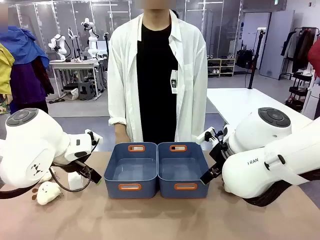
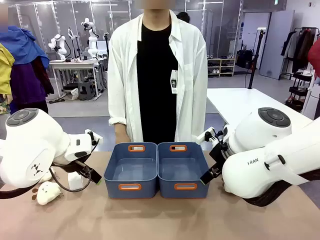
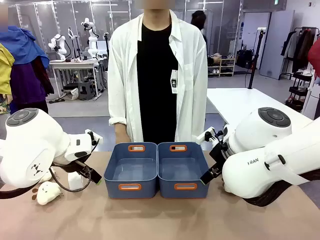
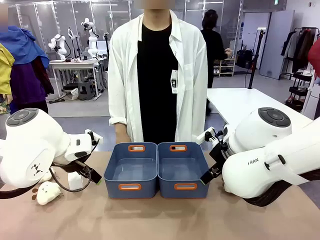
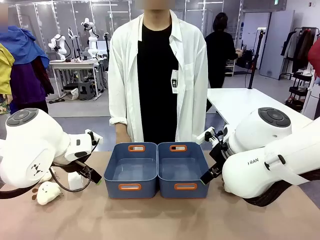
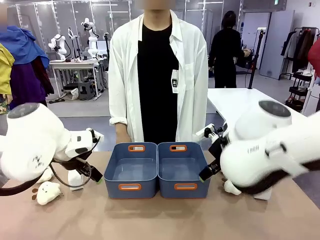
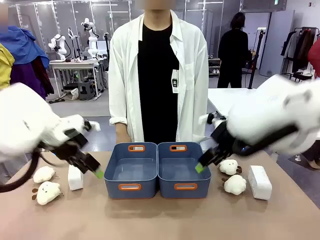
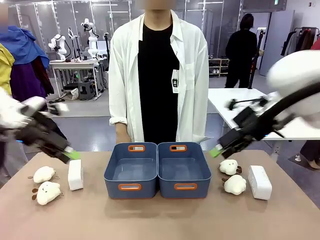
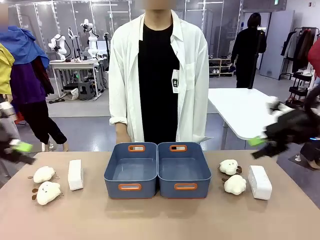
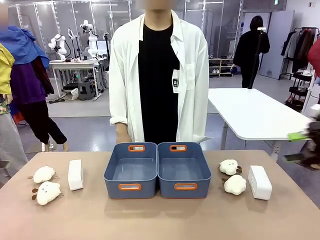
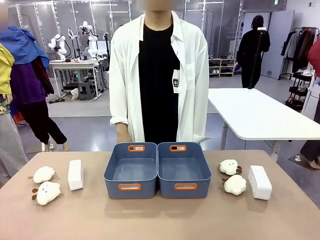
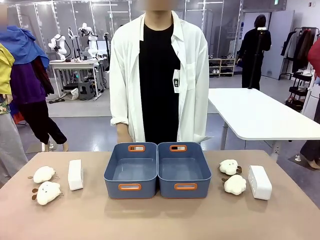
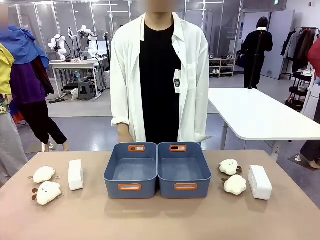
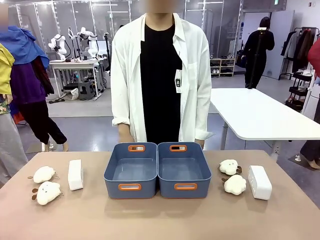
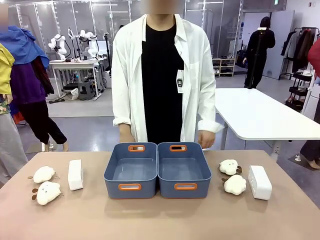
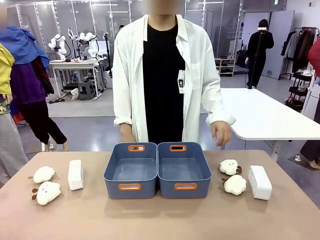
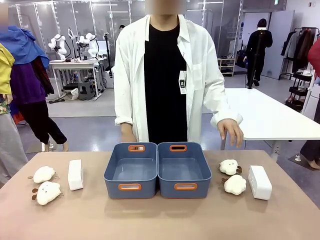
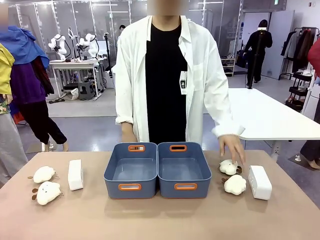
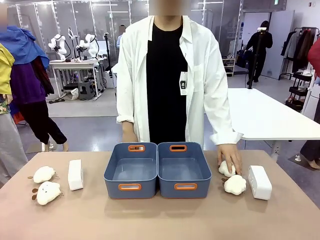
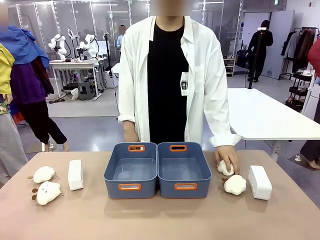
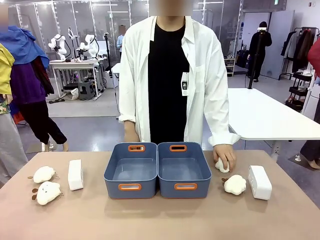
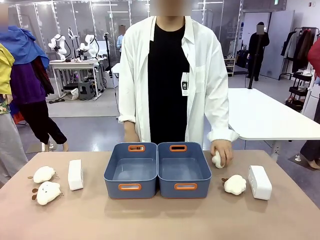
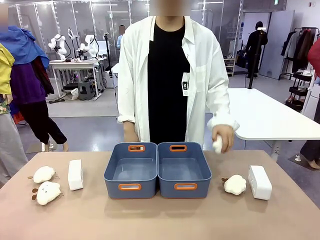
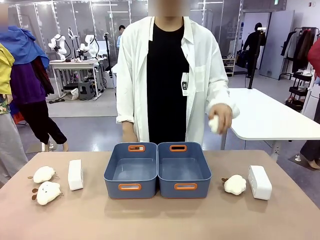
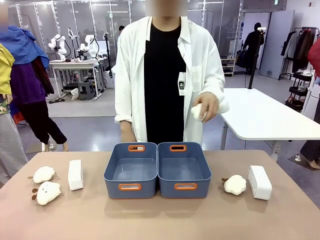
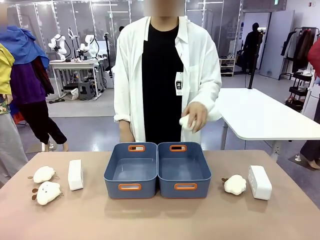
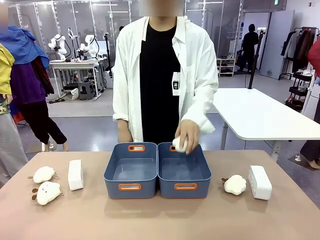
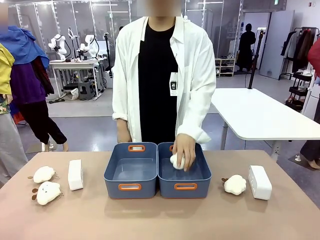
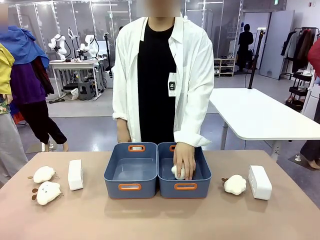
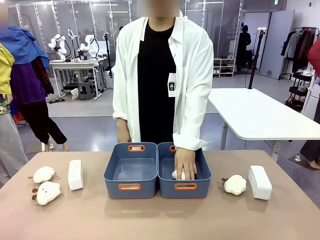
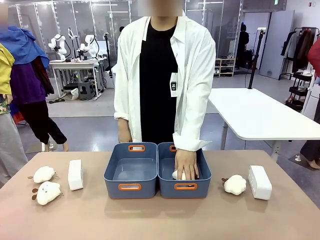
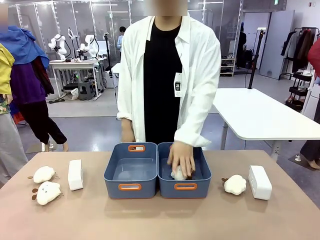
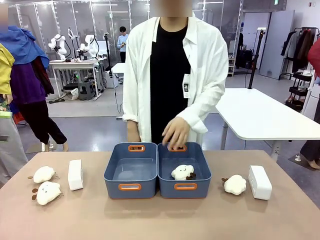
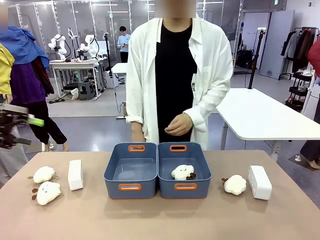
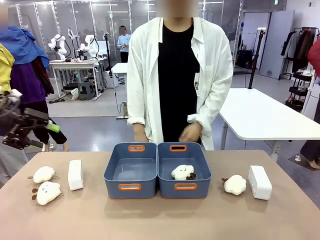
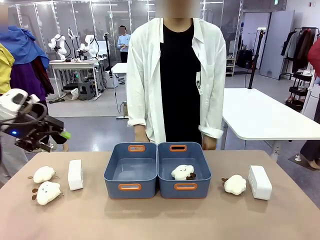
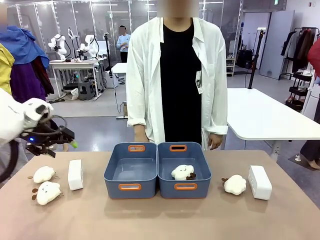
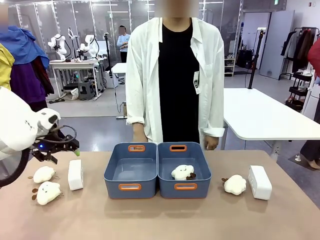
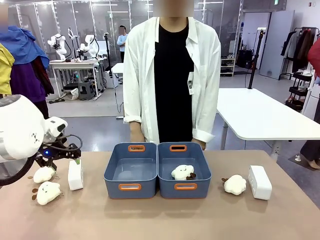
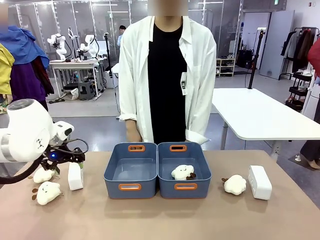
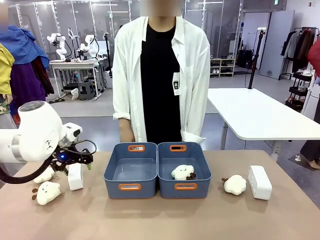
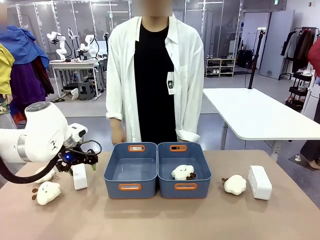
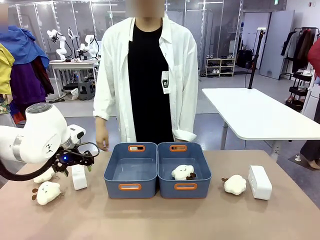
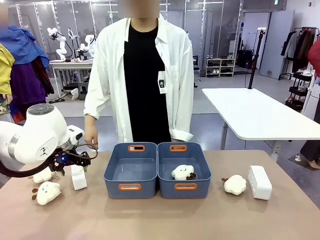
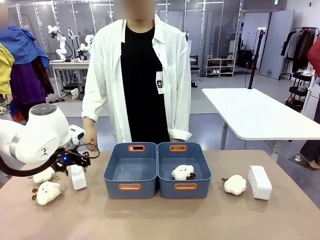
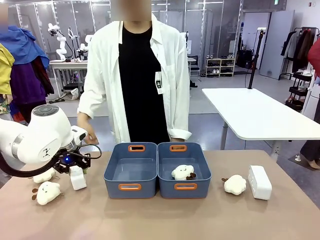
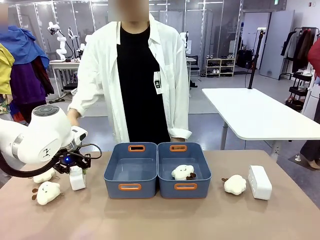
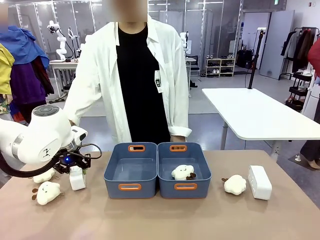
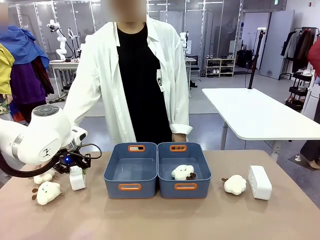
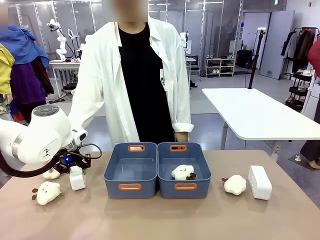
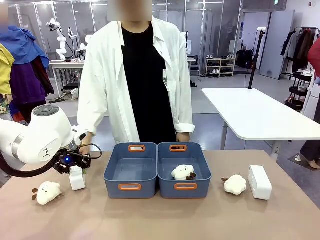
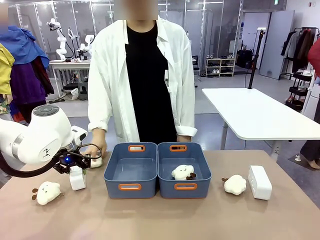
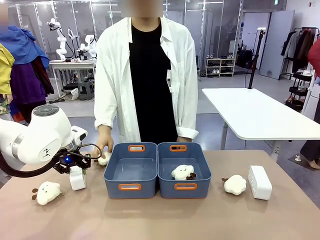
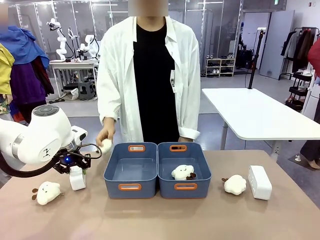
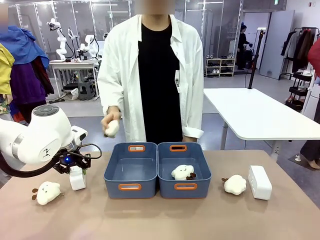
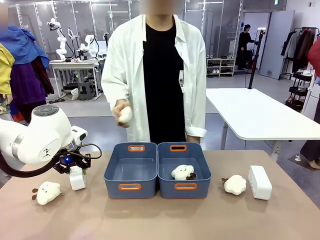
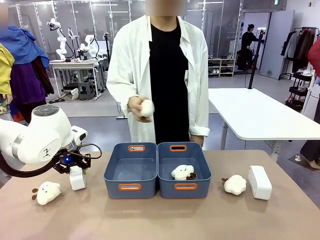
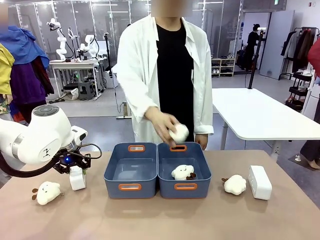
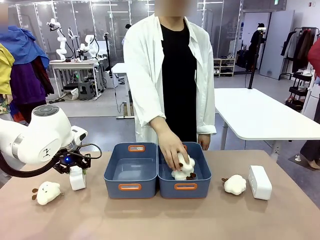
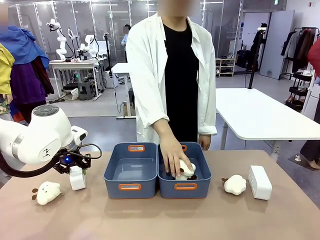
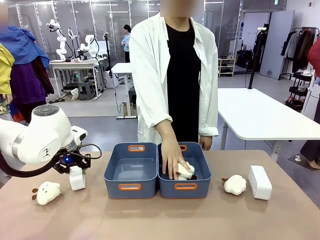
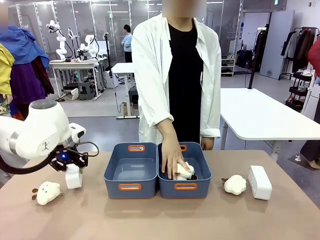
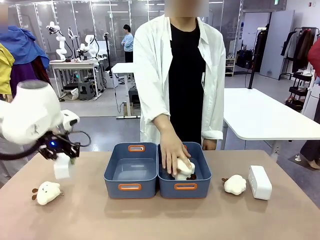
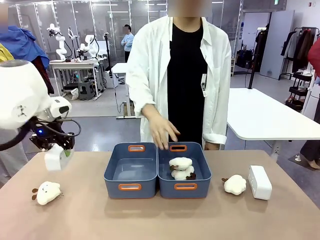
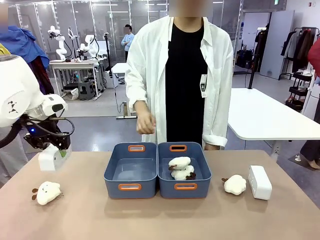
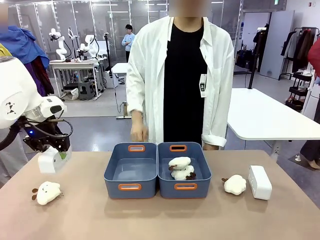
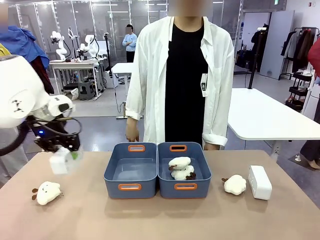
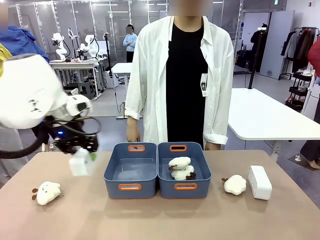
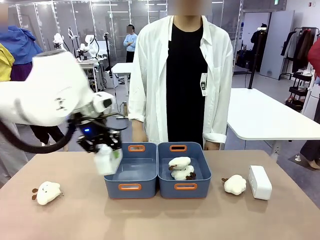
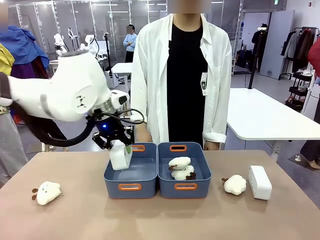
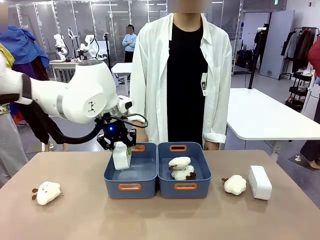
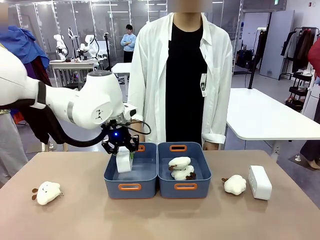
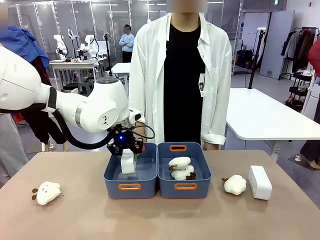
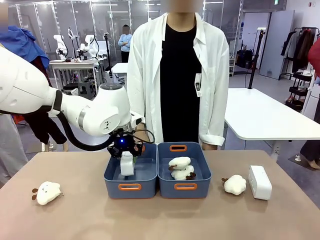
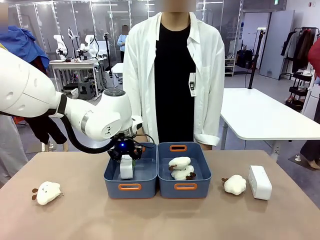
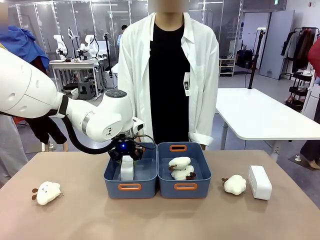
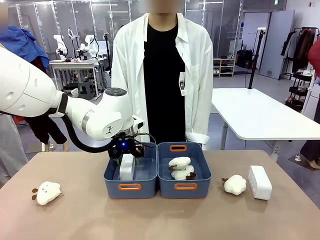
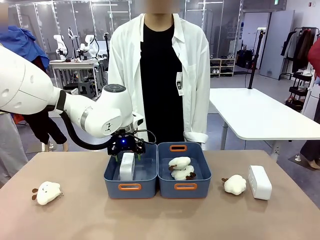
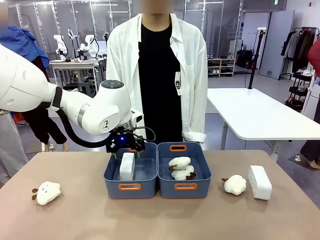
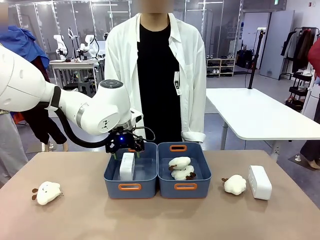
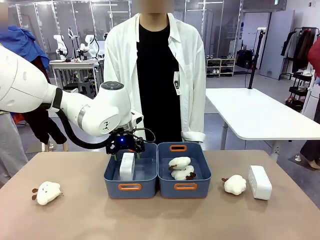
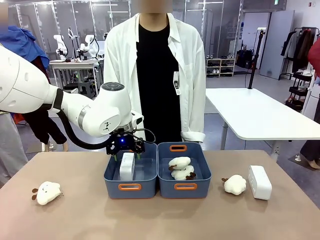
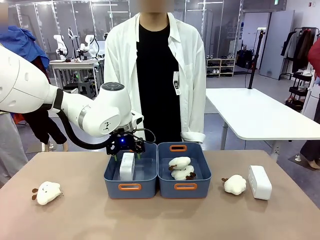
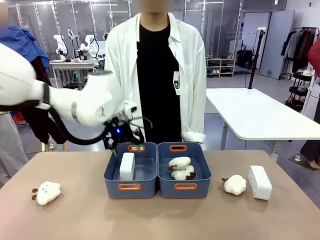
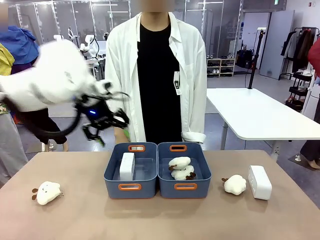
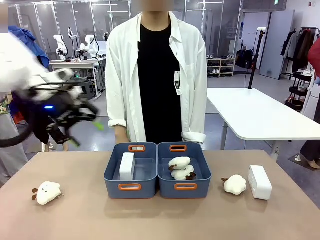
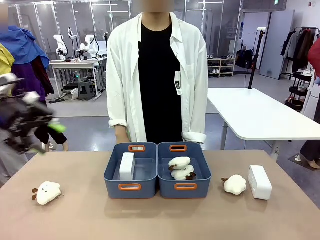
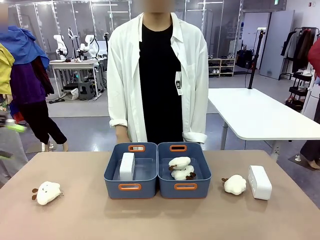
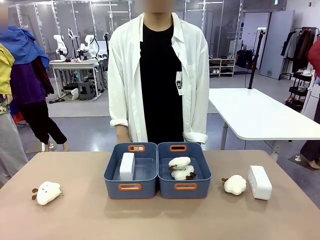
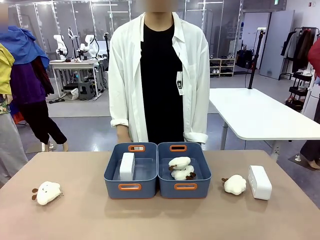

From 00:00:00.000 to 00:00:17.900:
Task: Sort the digital clocks into the basket.
Robot: Pick up the Digital clock from the table and place it into the empty Plastic storage basket.
Person: Pick up a plush toy from the table and place it in a plastic storage basket.
